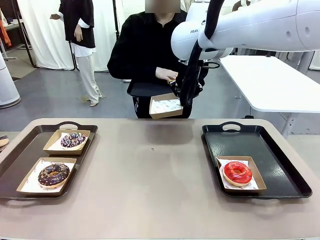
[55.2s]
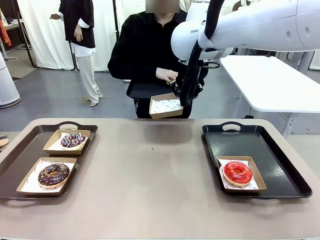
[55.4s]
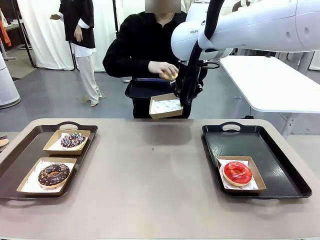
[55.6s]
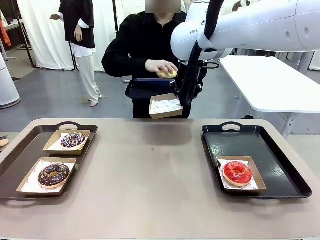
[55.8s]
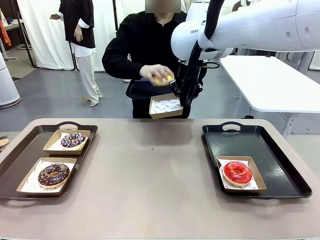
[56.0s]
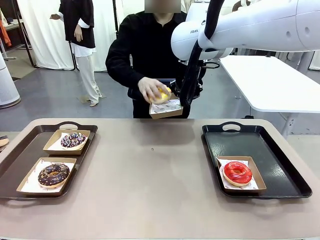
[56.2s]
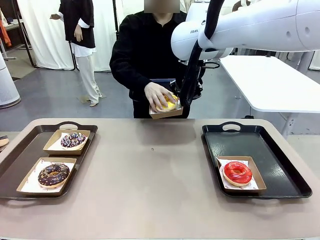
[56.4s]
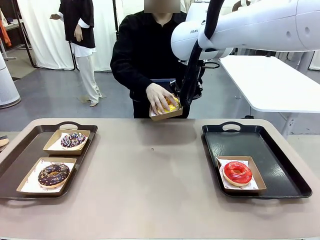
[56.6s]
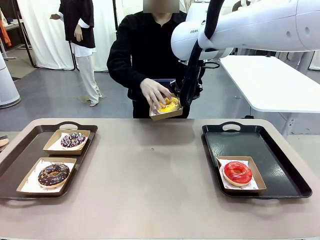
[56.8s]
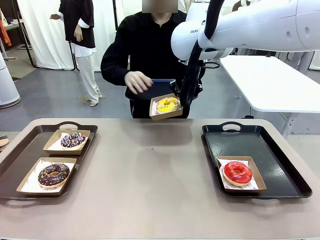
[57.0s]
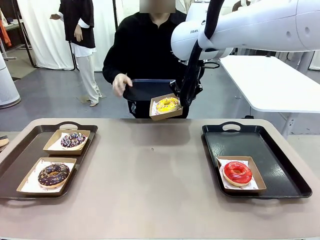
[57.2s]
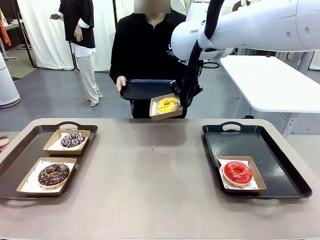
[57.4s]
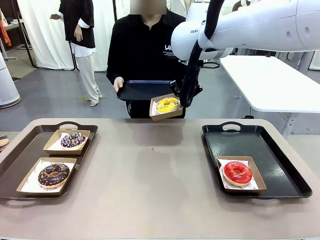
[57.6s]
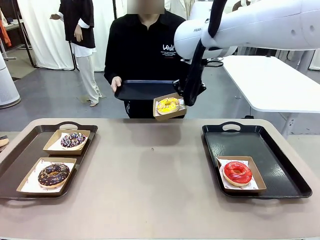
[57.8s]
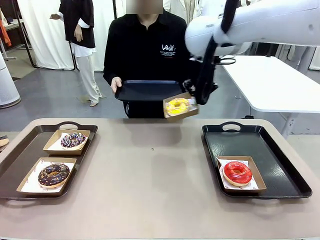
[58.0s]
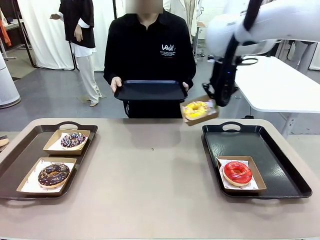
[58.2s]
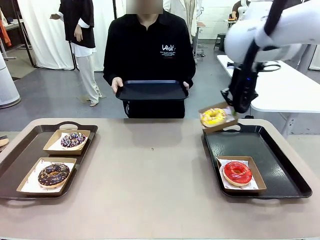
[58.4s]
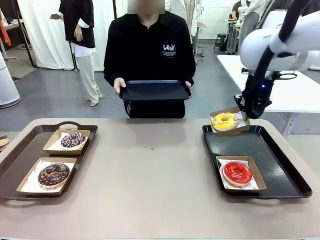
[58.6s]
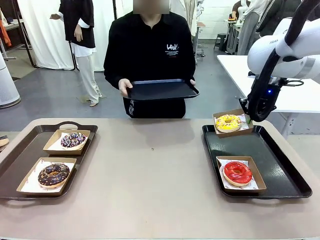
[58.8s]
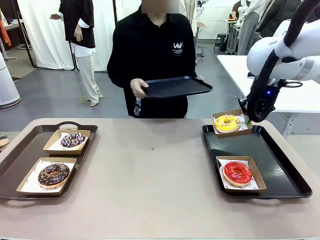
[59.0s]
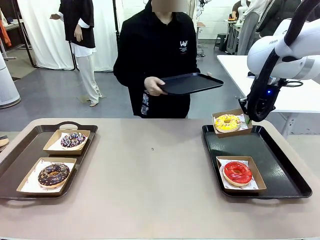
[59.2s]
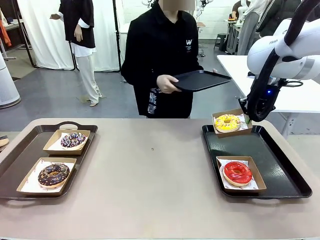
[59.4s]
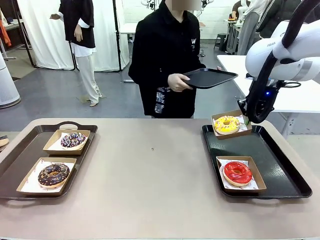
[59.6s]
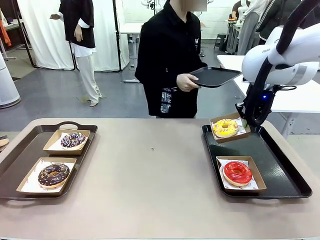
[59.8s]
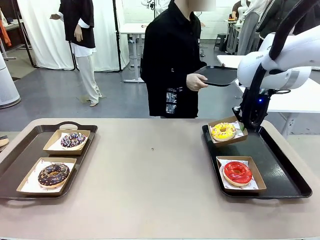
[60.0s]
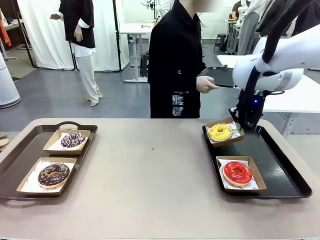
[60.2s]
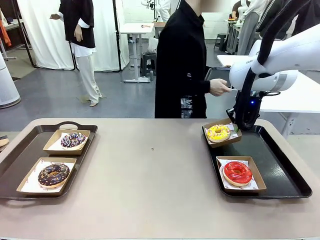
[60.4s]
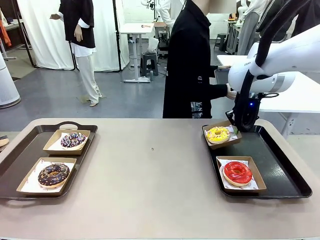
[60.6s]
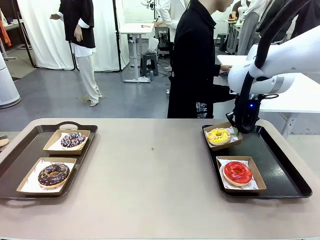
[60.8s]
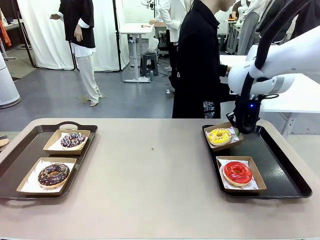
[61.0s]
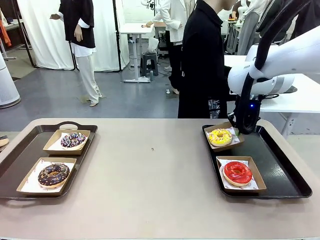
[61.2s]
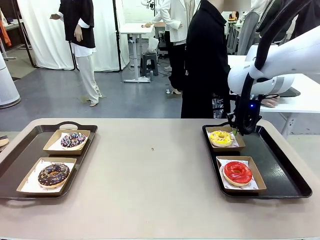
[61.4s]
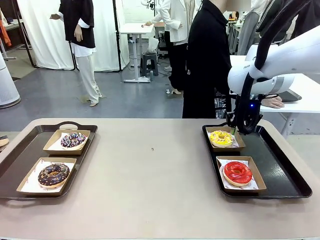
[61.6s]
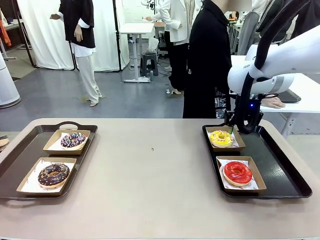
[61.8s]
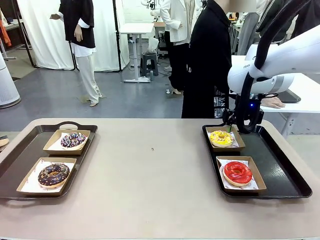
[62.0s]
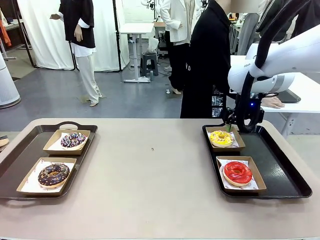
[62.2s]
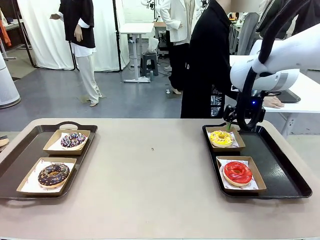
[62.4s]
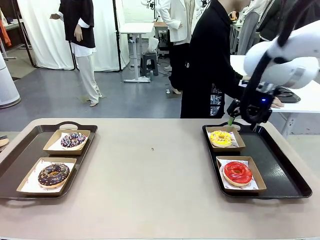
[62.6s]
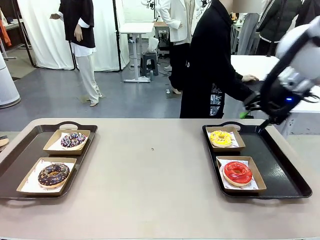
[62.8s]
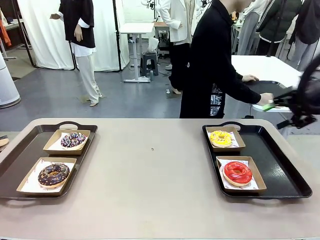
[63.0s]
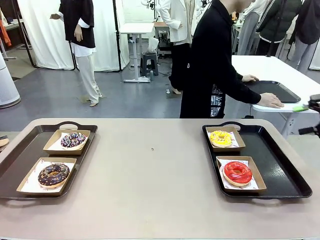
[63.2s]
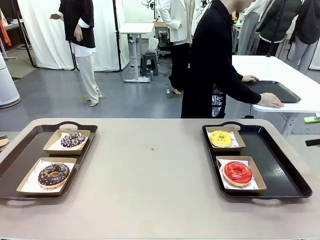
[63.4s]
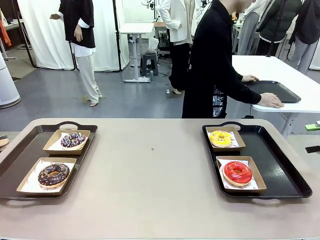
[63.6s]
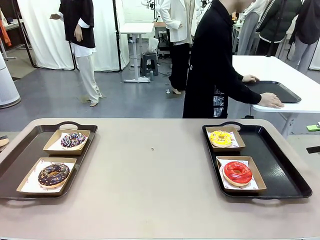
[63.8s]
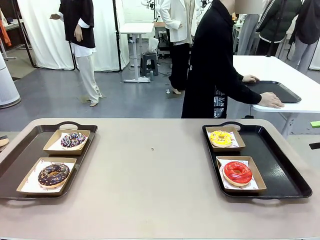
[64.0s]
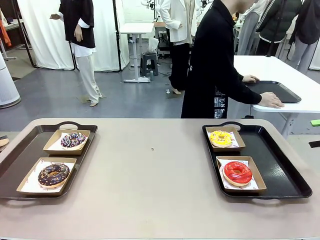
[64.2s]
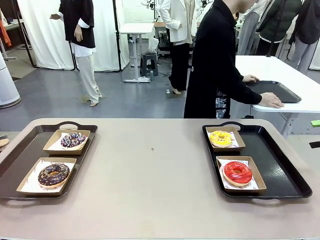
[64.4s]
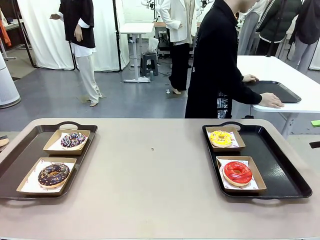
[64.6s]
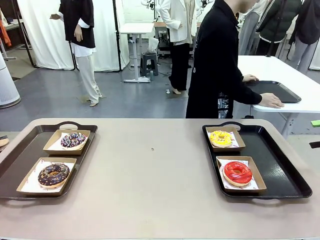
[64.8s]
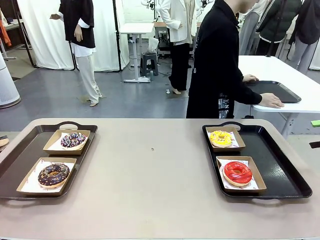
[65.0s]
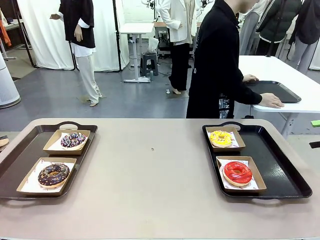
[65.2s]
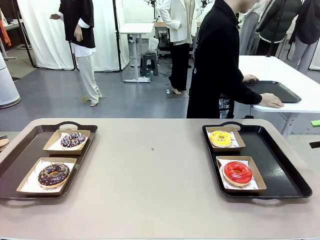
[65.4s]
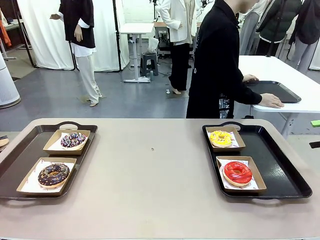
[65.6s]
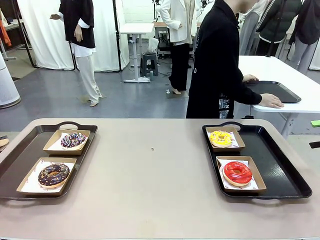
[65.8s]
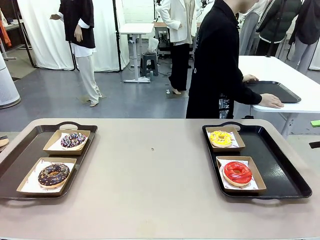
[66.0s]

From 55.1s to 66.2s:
Task: Individually package the donuts and arrange them on the tray.
Robot: Place the picked Paper togo box on the Handle tray.
Person: Place the tray down in the middle of the human table.

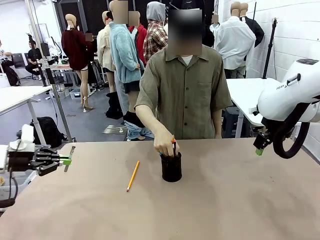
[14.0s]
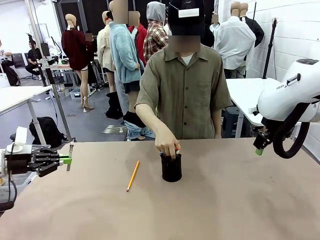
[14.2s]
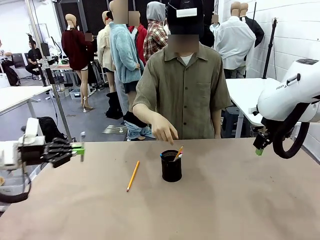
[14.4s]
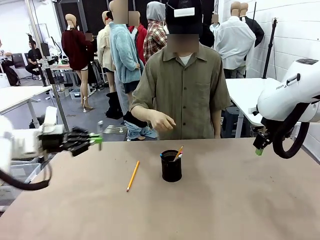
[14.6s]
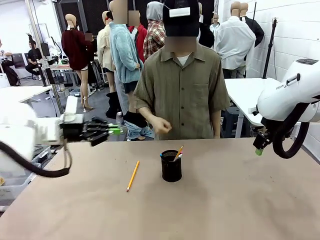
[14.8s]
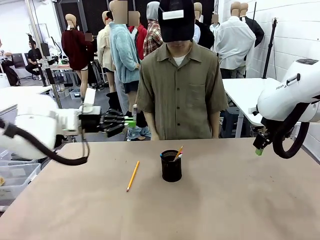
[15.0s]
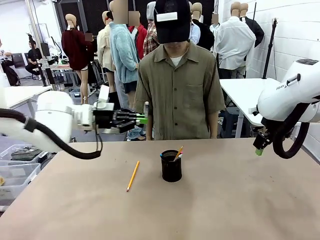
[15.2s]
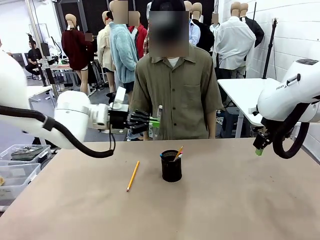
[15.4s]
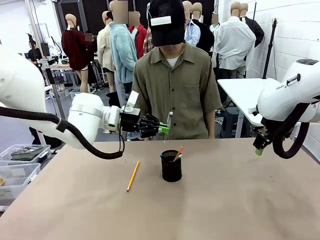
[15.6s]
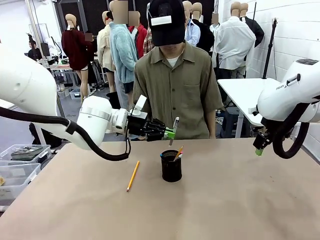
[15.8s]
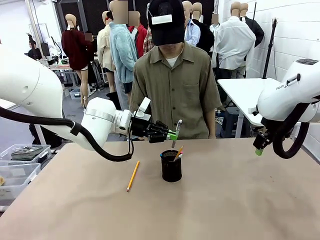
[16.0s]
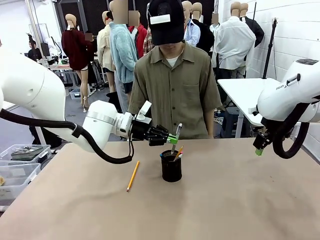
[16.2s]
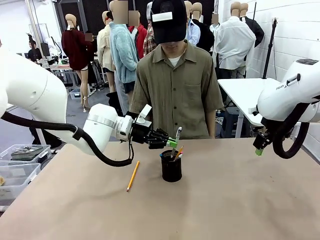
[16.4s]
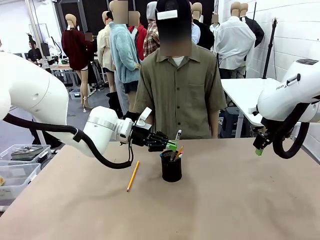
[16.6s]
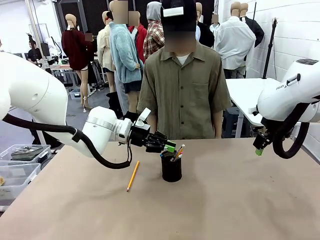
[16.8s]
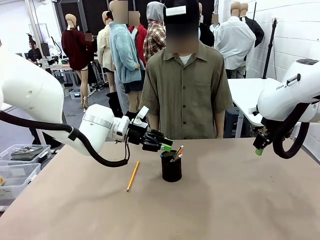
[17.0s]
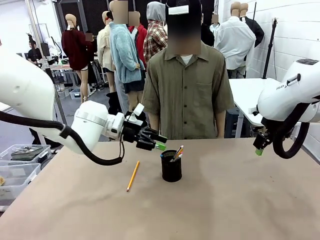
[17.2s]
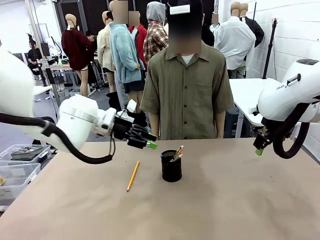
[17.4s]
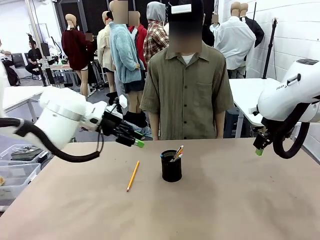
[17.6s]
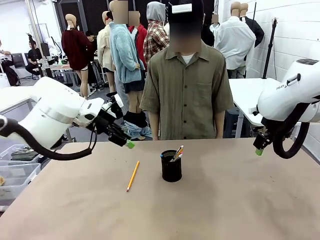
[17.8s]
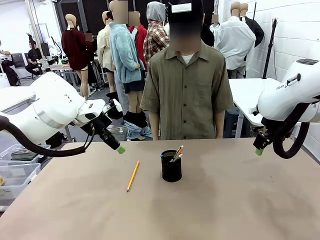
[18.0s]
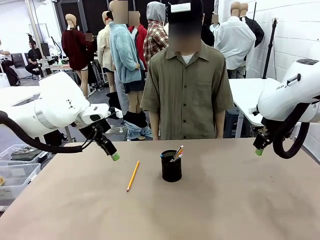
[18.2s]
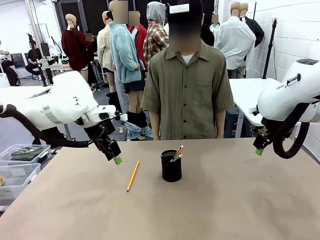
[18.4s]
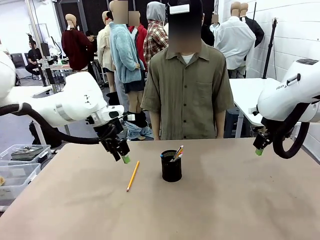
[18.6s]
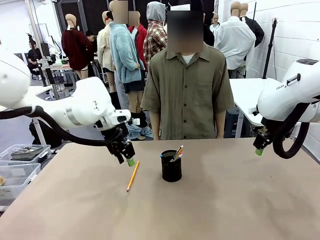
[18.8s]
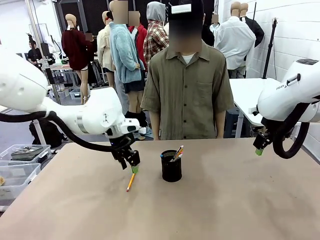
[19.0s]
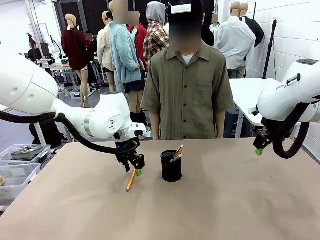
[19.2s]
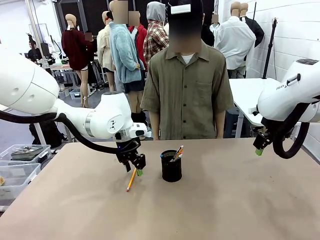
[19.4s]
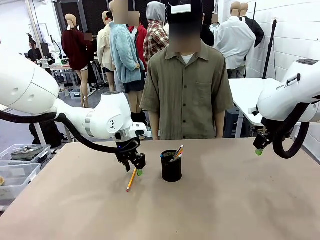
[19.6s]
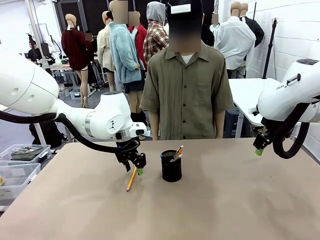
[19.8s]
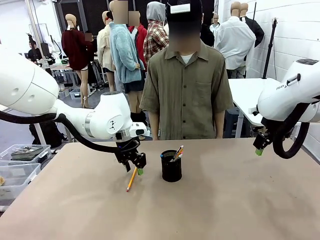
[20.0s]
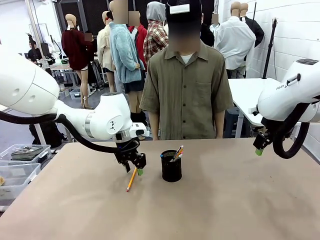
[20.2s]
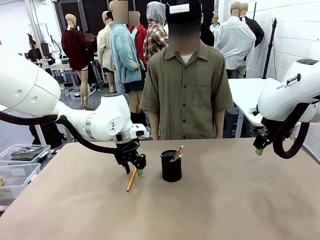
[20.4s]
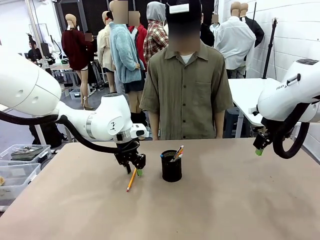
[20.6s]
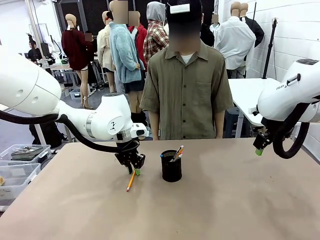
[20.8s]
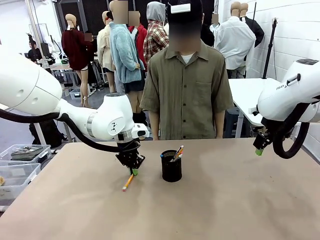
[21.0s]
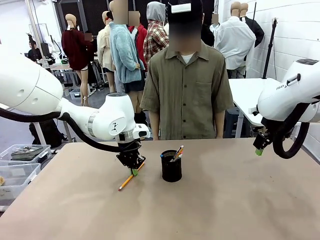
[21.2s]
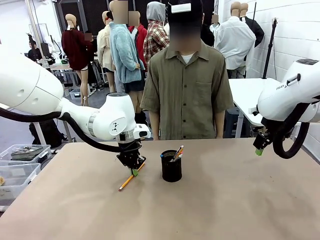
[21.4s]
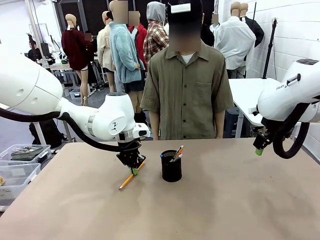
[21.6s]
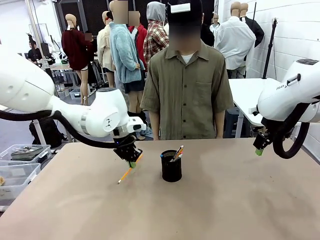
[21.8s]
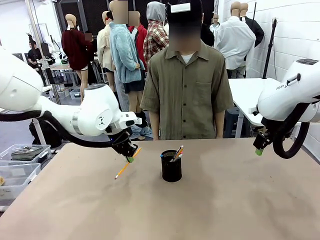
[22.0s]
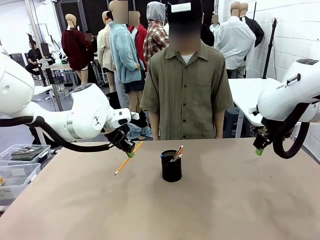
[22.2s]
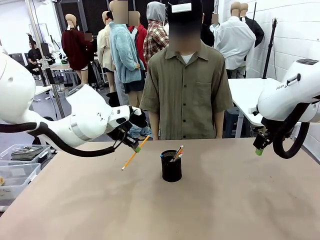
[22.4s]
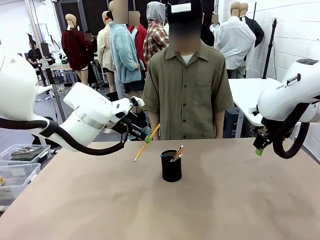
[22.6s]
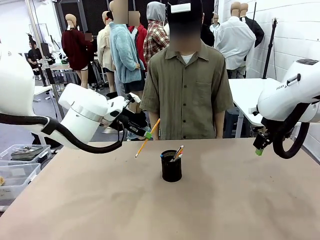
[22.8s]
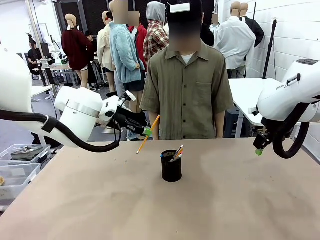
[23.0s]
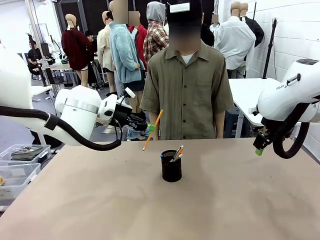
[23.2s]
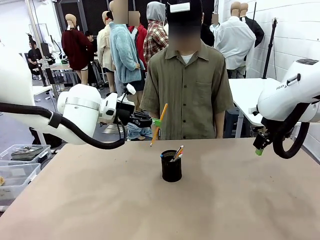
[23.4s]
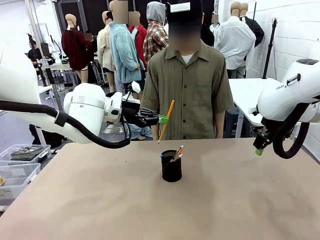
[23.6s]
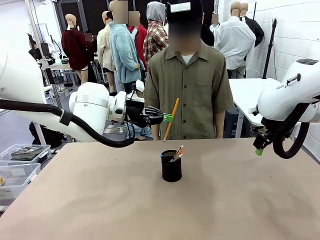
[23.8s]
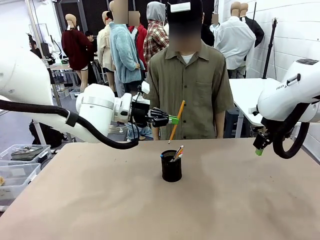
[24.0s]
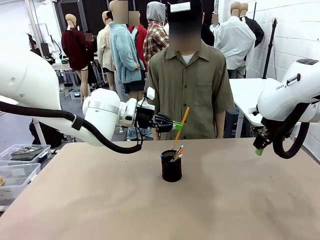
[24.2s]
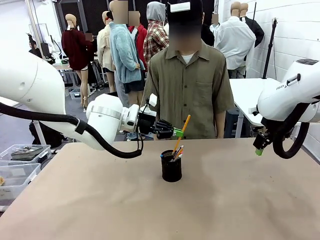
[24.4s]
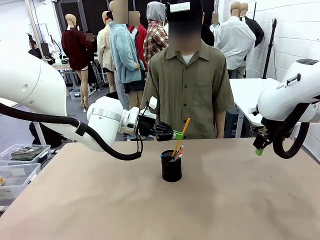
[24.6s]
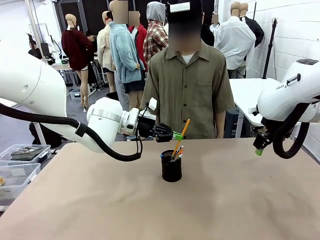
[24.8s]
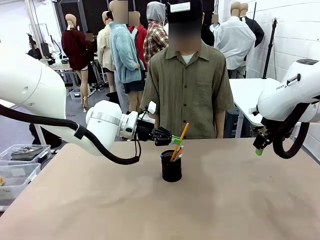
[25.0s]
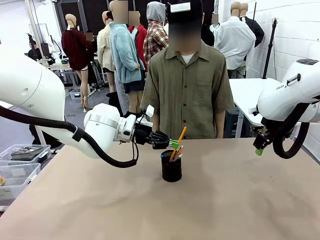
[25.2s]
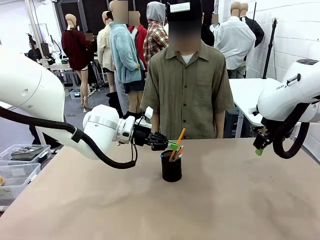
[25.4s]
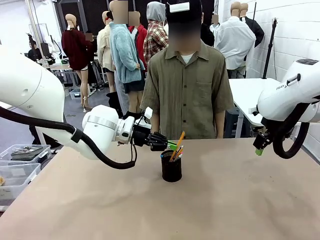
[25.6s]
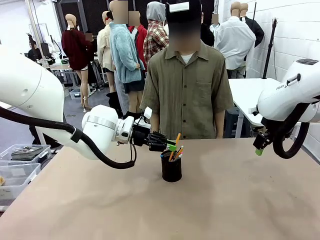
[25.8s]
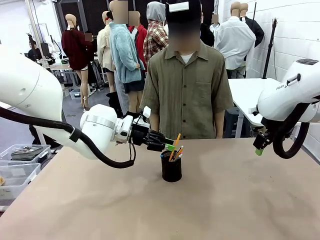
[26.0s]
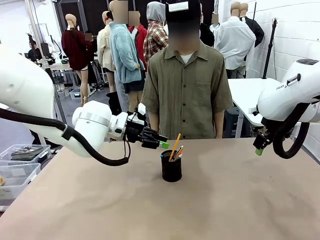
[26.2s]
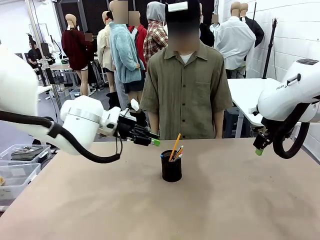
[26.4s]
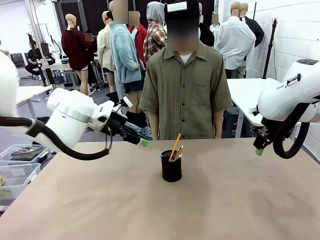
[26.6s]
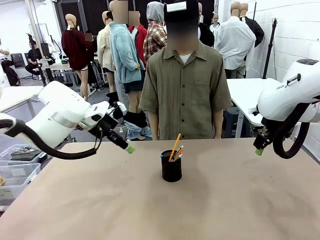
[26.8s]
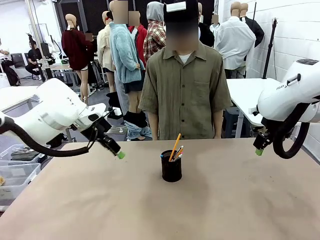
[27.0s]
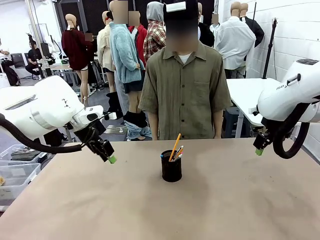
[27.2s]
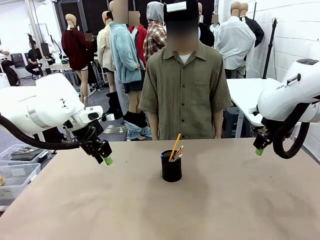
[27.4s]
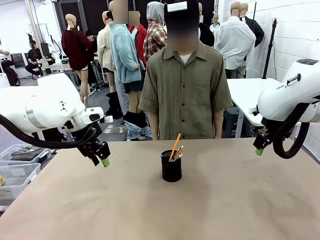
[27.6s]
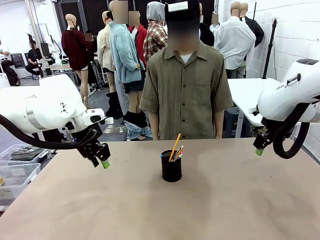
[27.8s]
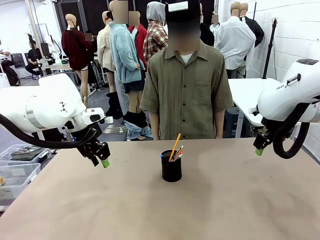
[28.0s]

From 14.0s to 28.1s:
Task: Place the pens into the pen holder.
Robot: Pick up a writing instrument from the table and place it into the Pen holder.
Person: Place all writing instrument into the Pen holder.
